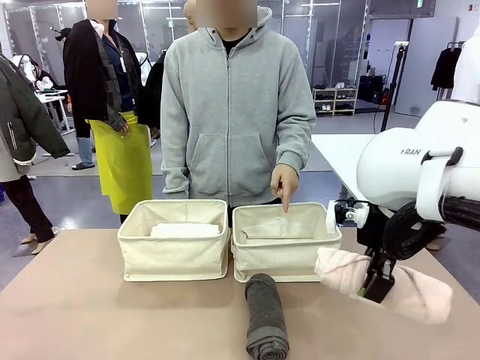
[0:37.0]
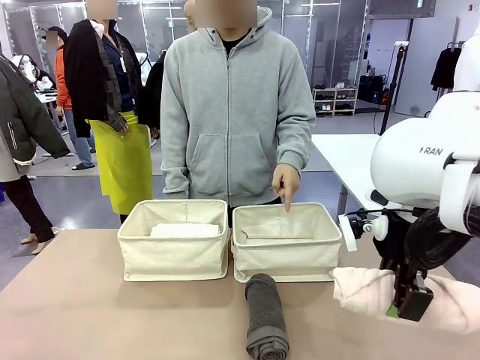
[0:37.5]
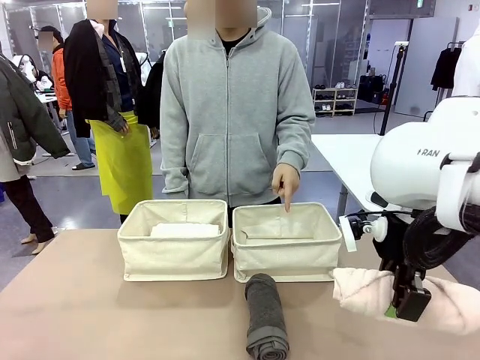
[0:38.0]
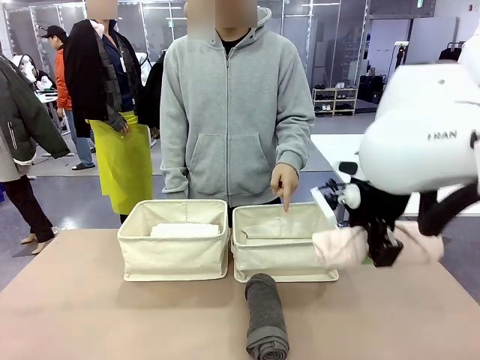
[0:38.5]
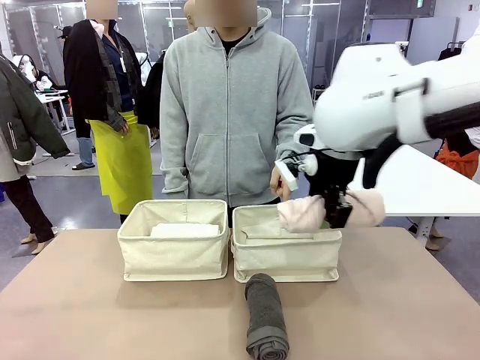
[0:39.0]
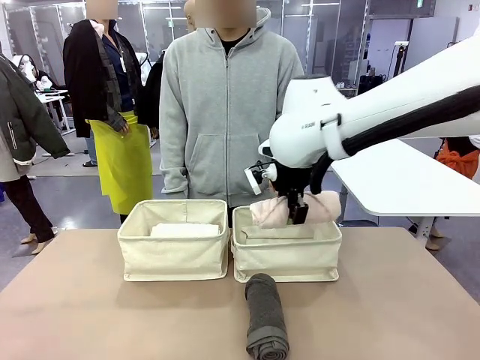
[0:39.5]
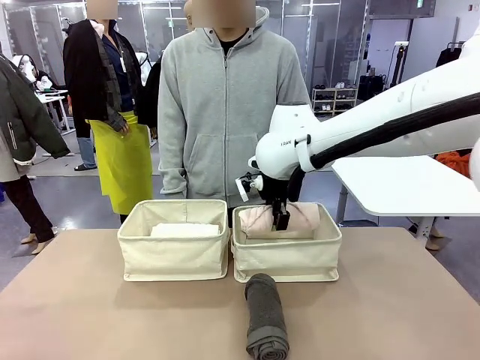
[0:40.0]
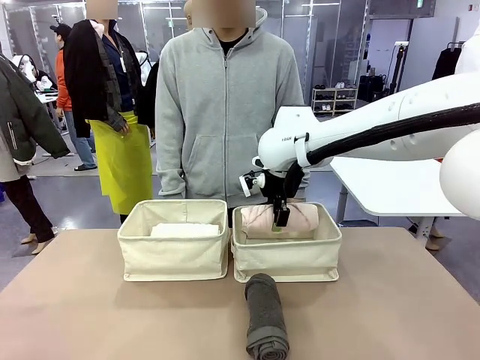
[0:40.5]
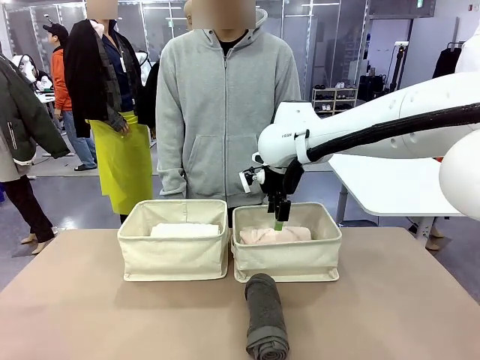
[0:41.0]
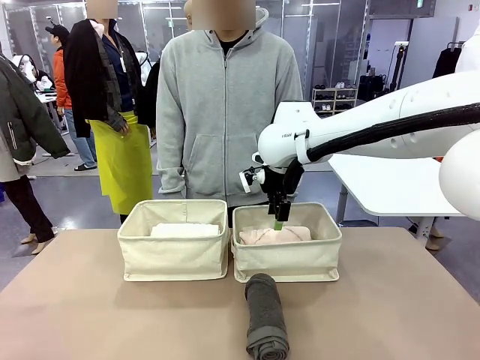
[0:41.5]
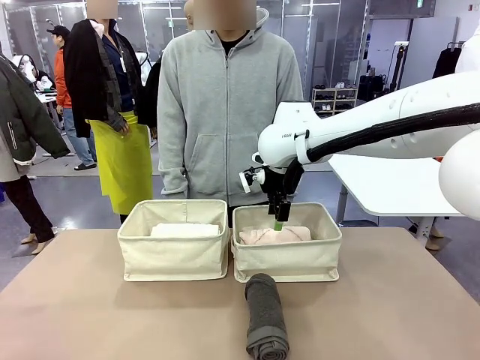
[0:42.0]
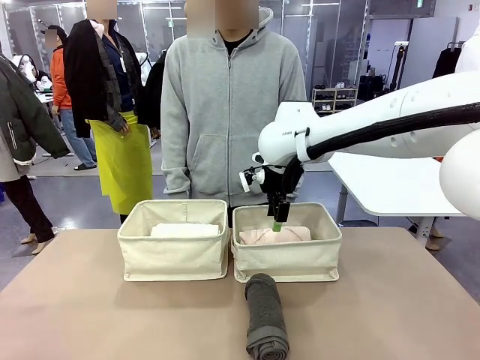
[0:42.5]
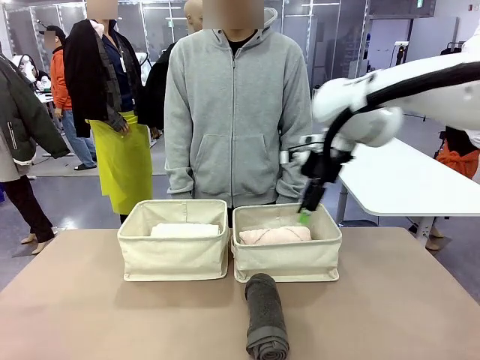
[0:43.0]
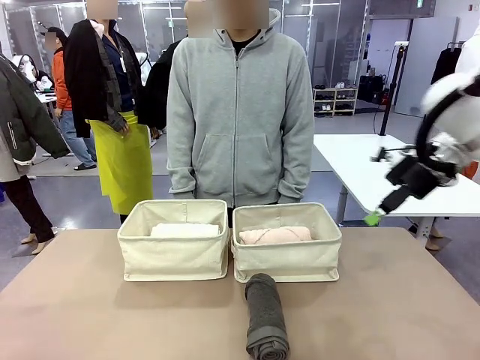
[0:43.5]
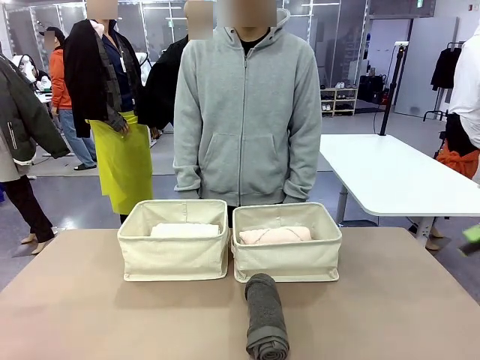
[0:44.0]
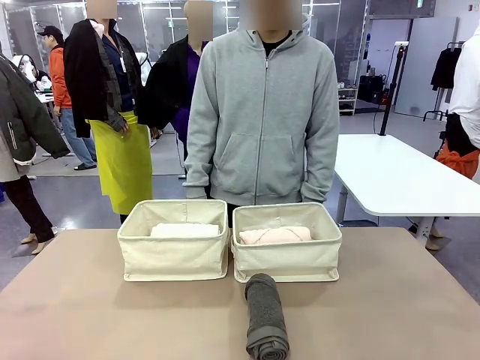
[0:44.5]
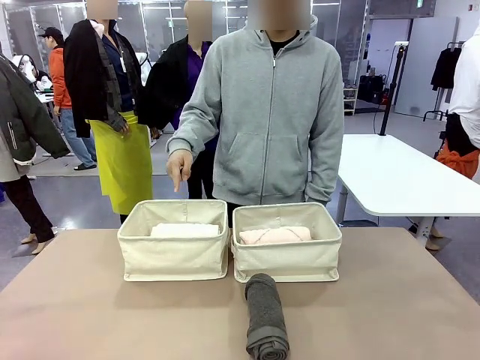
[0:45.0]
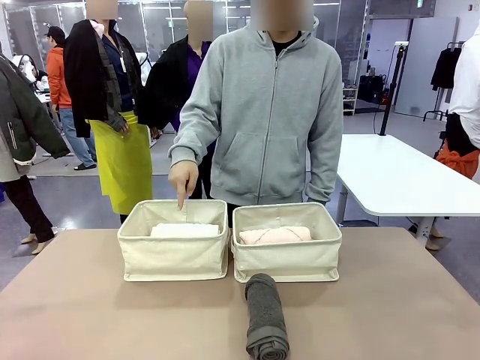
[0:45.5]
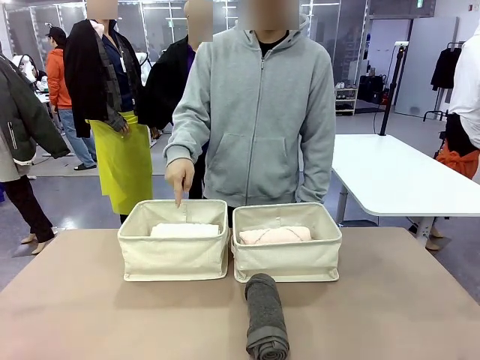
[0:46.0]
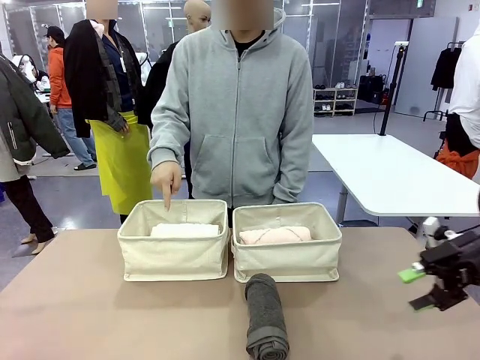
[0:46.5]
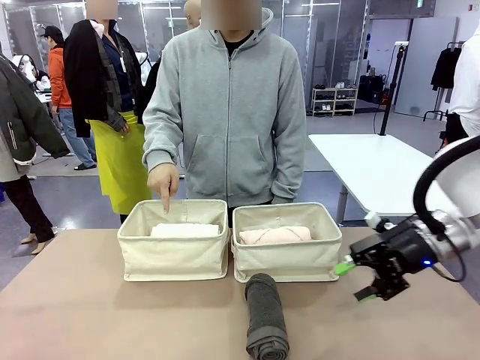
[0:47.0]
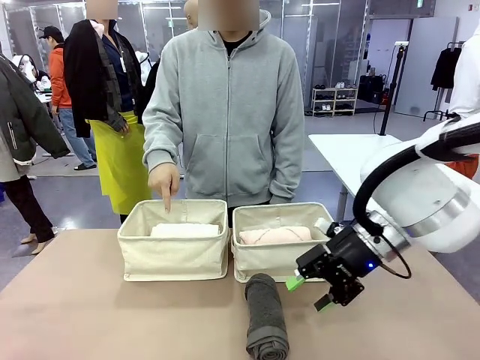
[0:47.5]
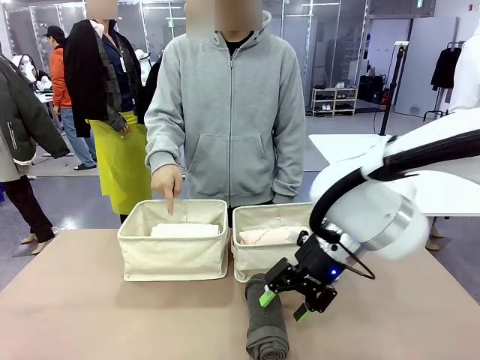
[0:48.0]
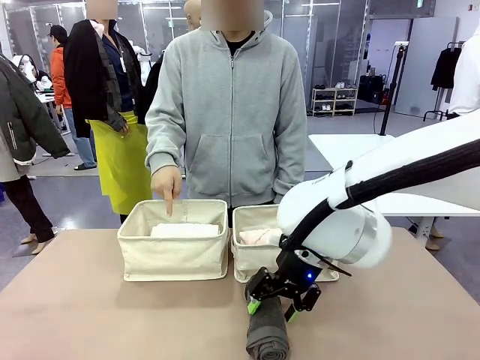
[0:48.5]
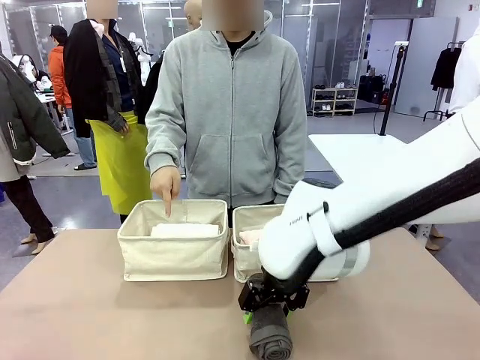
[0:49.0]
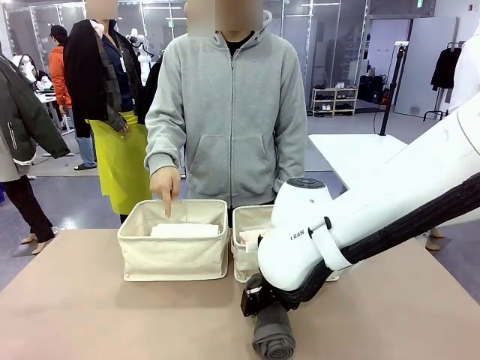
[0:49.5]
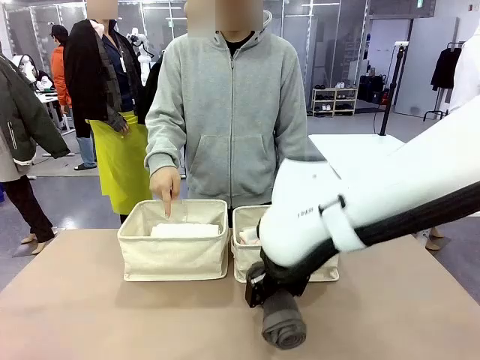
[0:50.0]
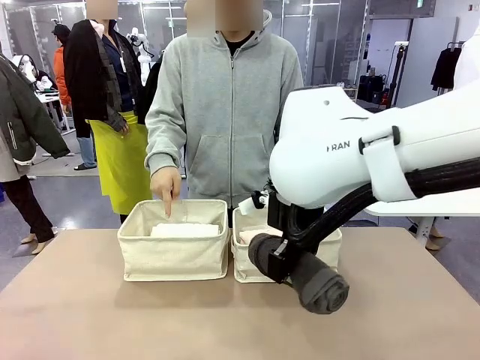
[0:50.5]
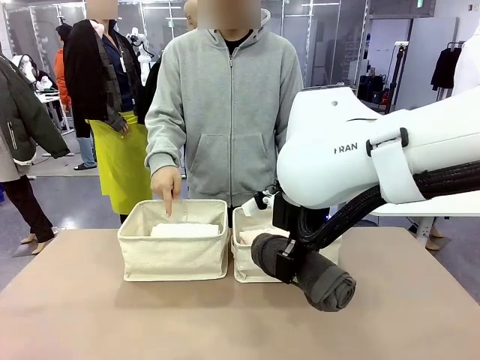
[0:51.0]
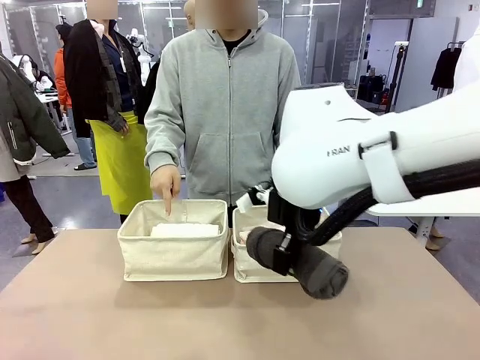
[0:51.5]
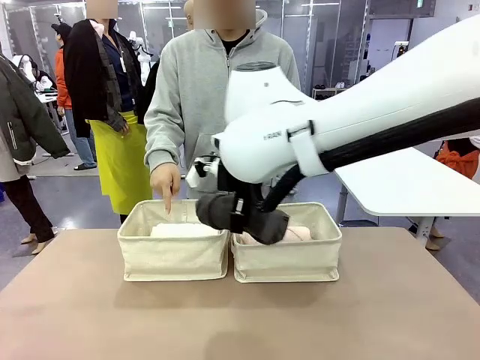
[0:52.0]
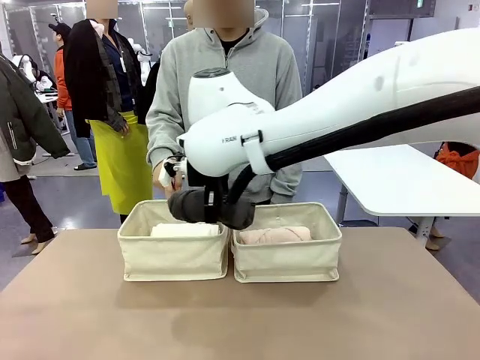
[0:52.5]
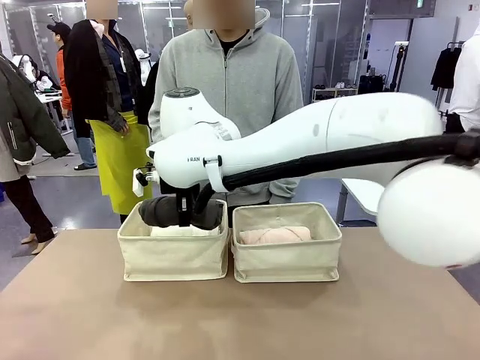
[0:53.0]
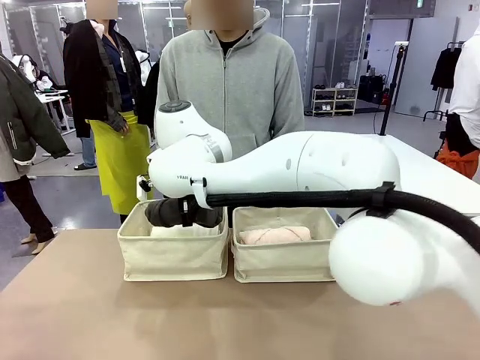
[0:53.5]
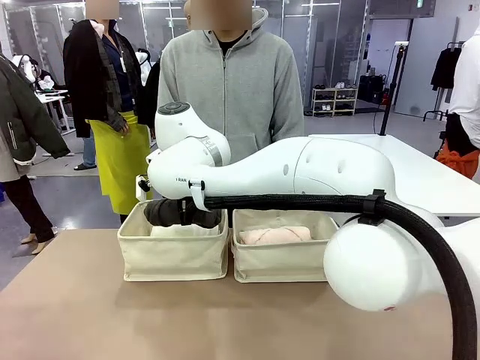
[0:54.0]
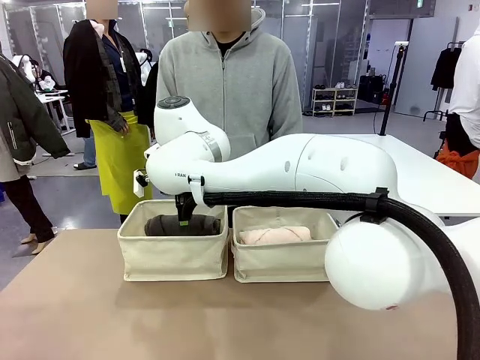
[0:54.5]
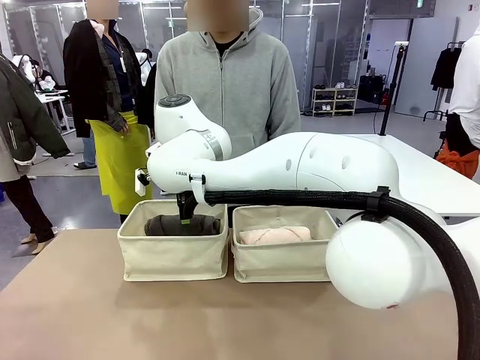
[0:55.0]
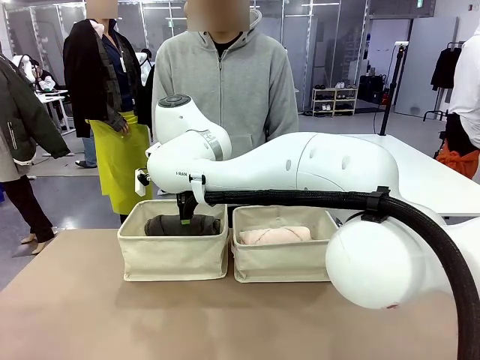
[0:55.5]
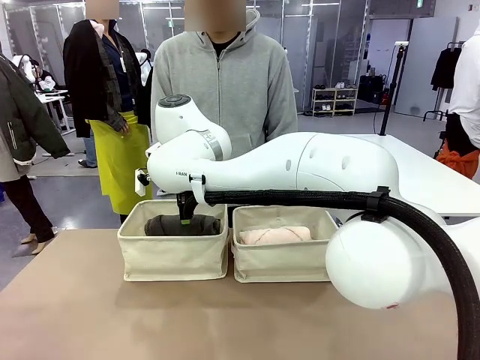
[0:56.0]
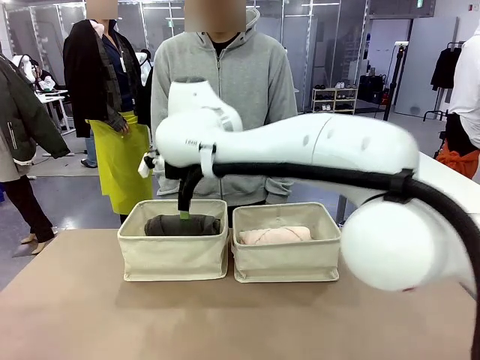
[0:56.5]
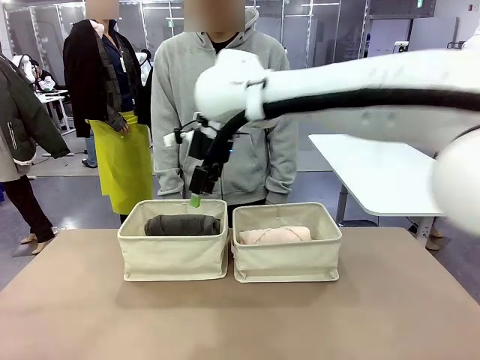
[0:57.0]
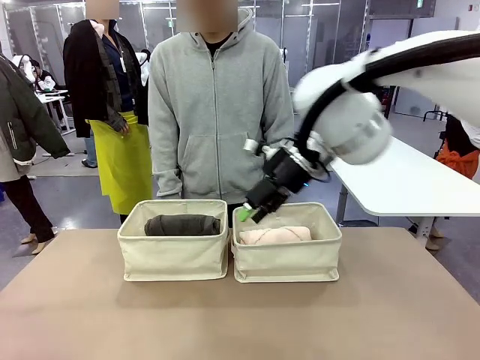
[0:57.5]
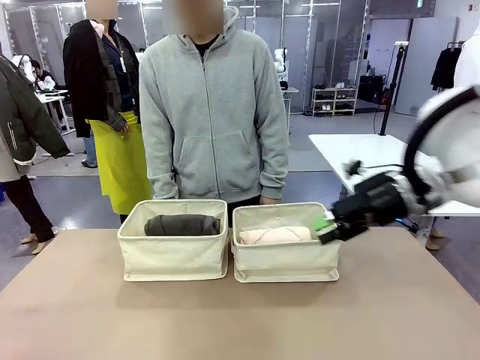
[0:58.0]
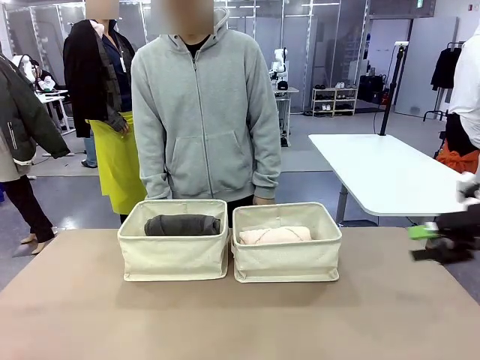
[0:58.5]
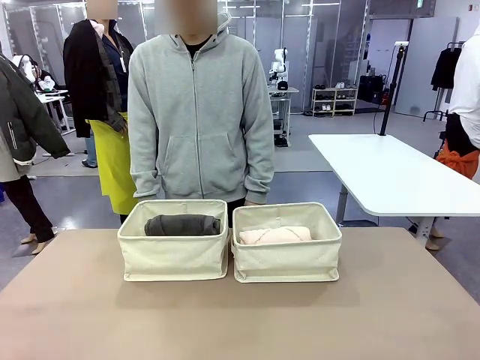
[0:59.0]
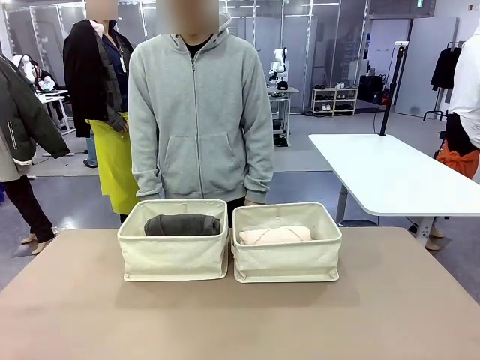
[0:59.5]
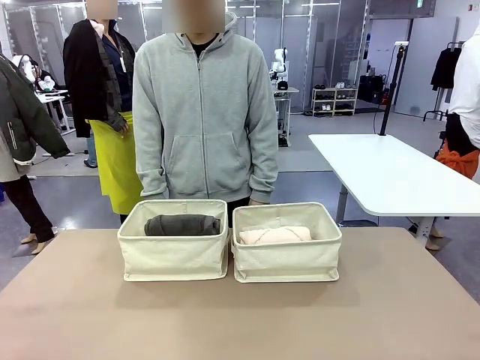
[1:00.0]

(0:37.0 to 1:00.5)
Task: Divide the towels into two baskets.
Robot: Pick up one hotel-folded towel from the bottom of the table and place it in the Fabric basket indicated by the person.
